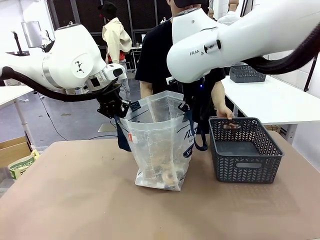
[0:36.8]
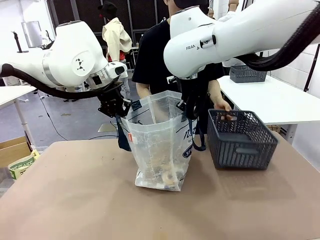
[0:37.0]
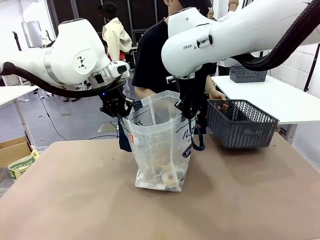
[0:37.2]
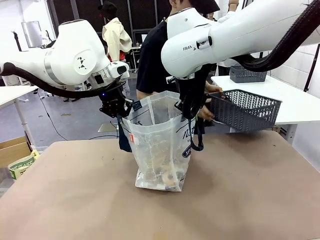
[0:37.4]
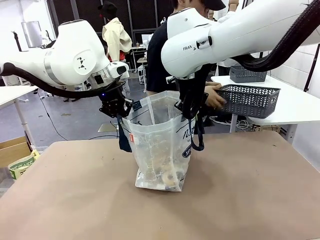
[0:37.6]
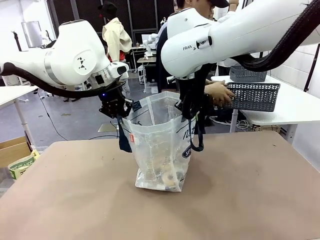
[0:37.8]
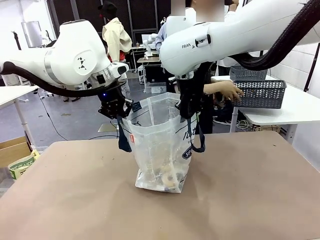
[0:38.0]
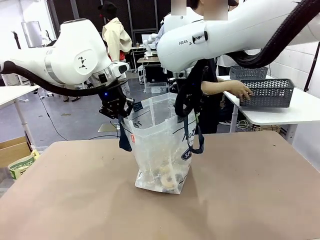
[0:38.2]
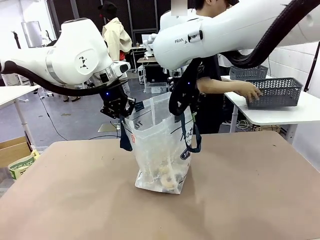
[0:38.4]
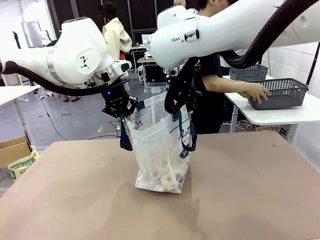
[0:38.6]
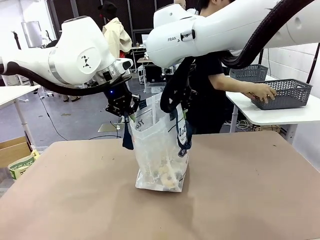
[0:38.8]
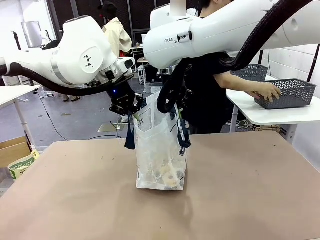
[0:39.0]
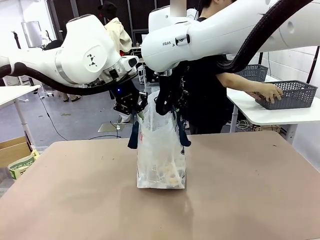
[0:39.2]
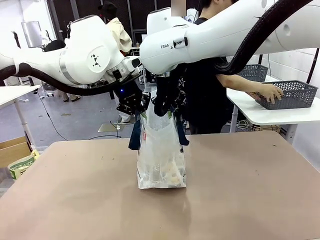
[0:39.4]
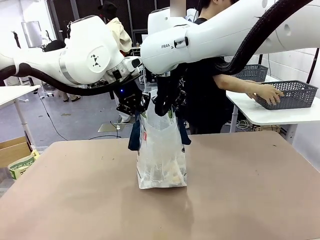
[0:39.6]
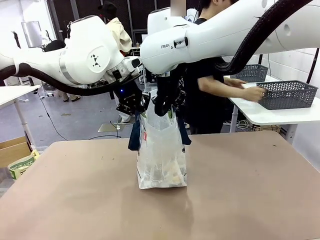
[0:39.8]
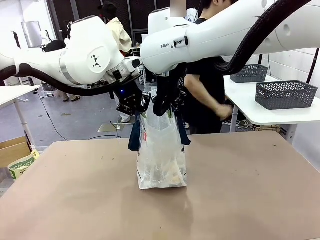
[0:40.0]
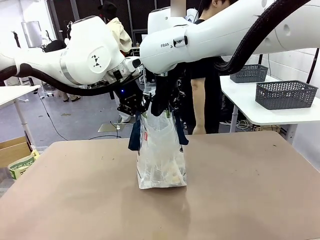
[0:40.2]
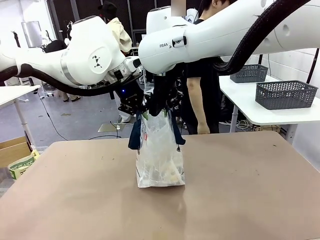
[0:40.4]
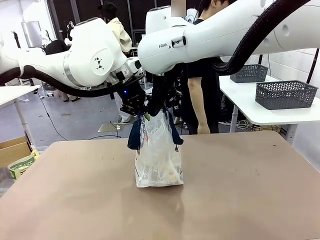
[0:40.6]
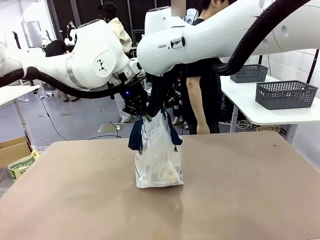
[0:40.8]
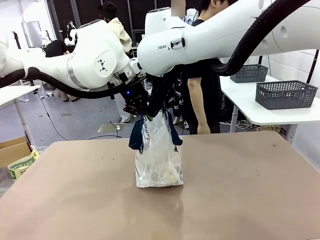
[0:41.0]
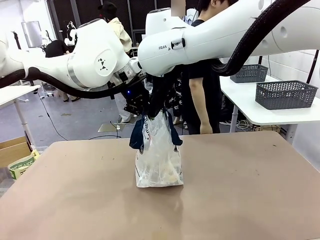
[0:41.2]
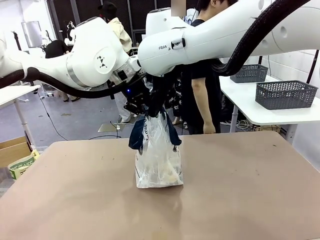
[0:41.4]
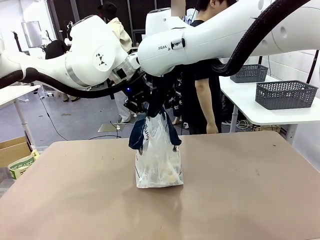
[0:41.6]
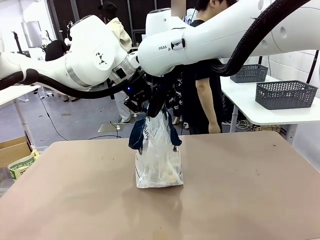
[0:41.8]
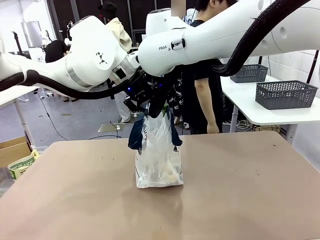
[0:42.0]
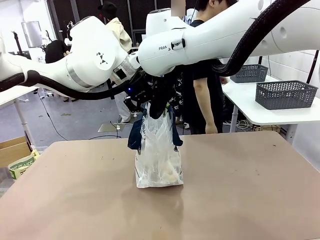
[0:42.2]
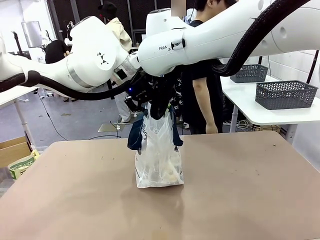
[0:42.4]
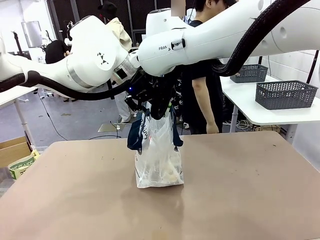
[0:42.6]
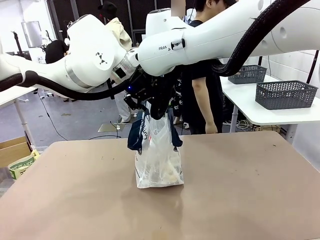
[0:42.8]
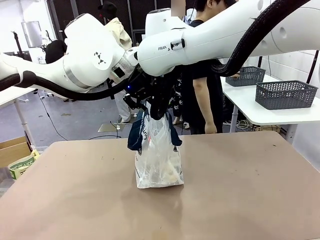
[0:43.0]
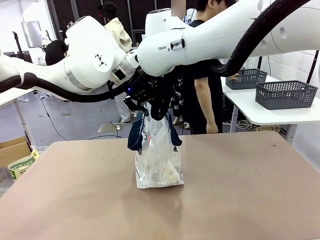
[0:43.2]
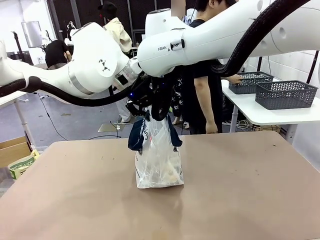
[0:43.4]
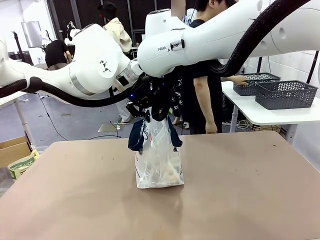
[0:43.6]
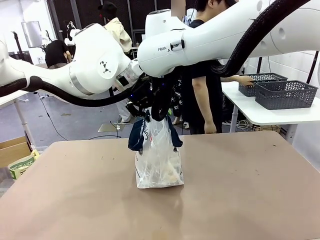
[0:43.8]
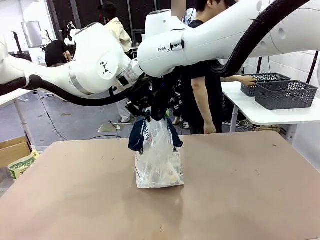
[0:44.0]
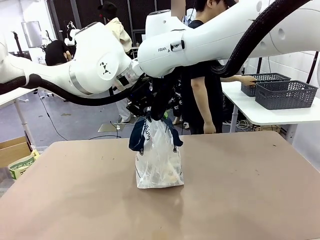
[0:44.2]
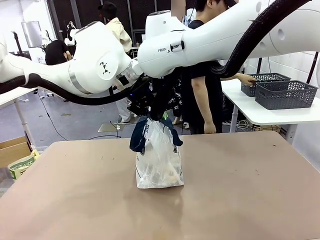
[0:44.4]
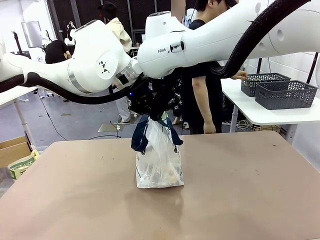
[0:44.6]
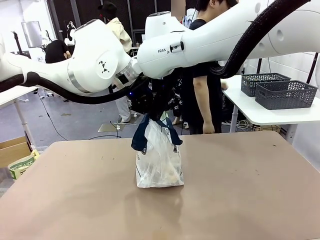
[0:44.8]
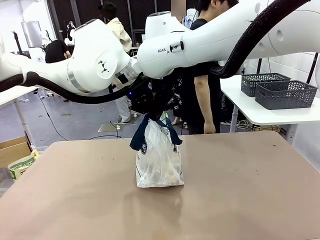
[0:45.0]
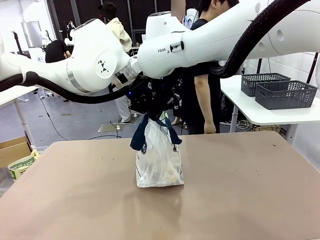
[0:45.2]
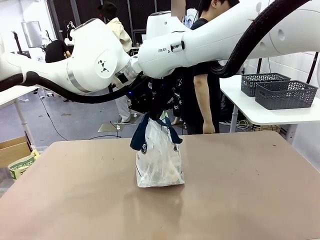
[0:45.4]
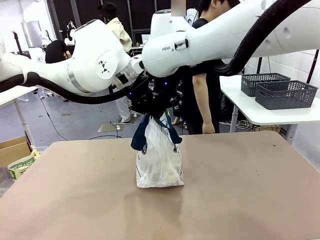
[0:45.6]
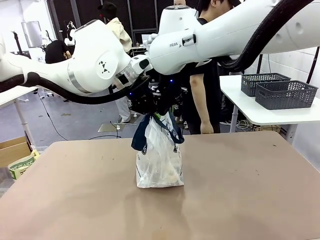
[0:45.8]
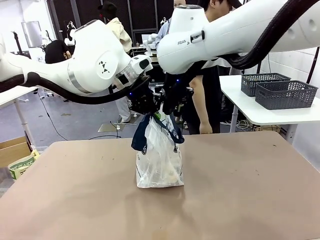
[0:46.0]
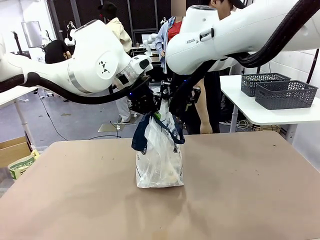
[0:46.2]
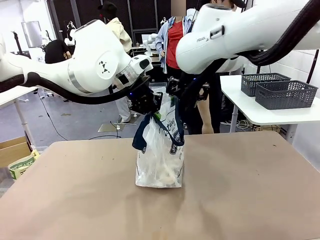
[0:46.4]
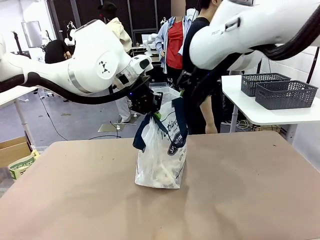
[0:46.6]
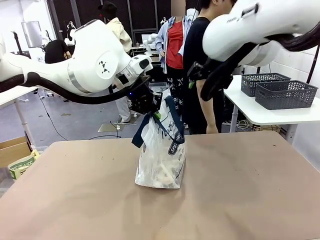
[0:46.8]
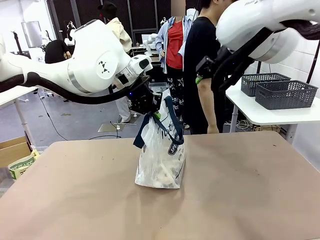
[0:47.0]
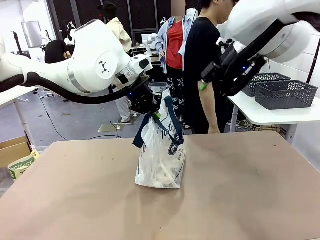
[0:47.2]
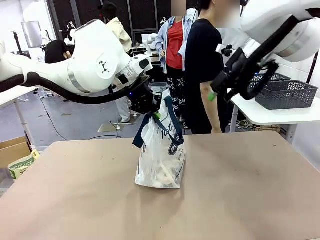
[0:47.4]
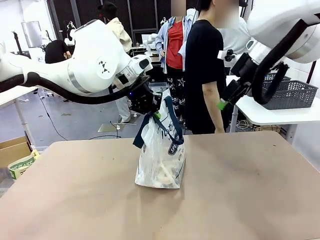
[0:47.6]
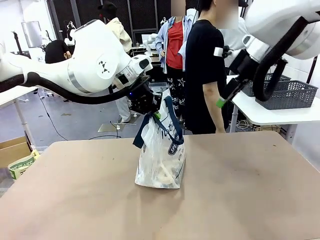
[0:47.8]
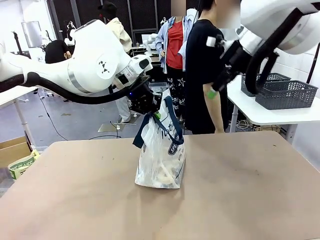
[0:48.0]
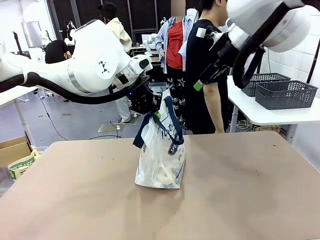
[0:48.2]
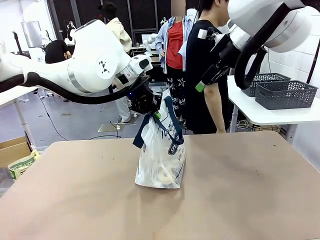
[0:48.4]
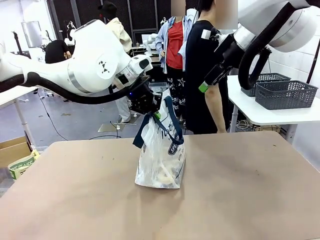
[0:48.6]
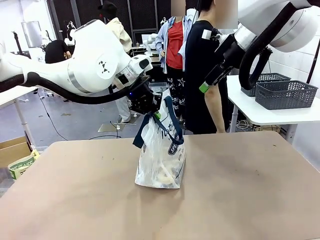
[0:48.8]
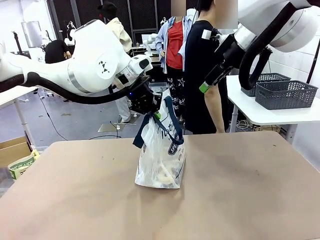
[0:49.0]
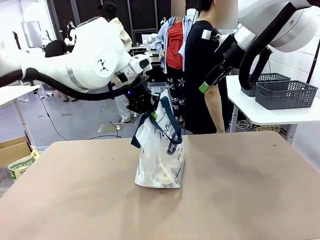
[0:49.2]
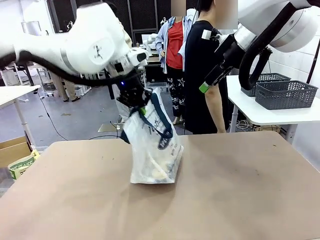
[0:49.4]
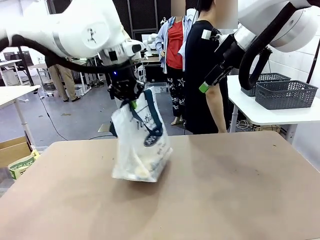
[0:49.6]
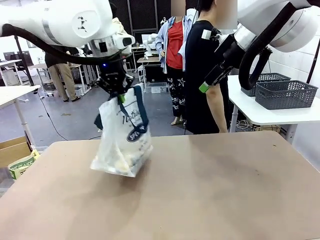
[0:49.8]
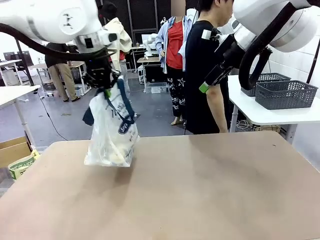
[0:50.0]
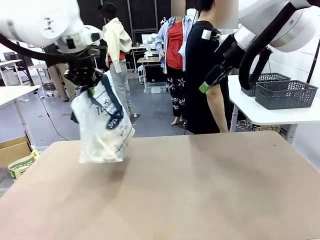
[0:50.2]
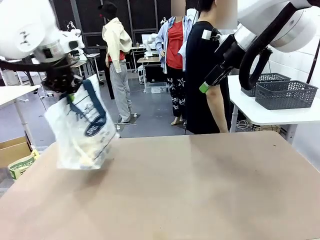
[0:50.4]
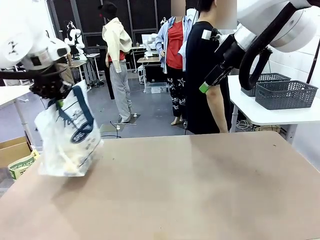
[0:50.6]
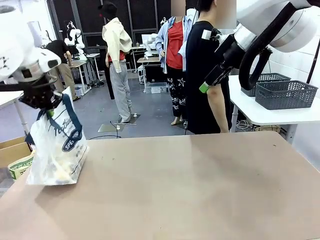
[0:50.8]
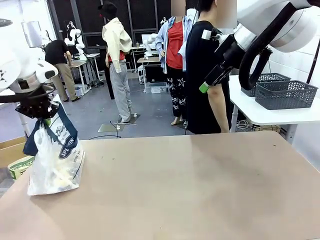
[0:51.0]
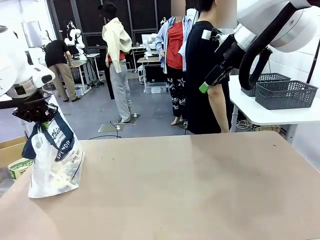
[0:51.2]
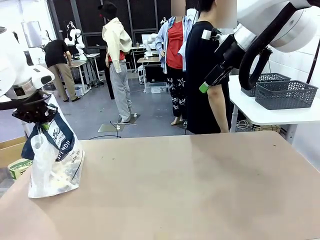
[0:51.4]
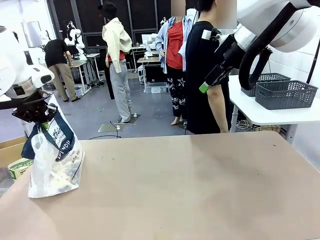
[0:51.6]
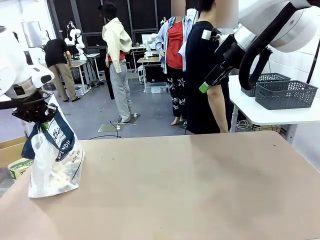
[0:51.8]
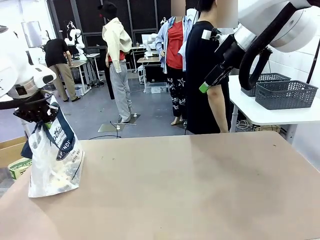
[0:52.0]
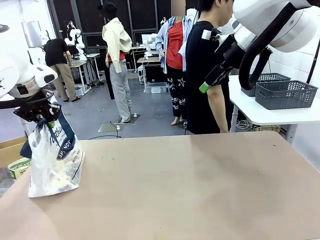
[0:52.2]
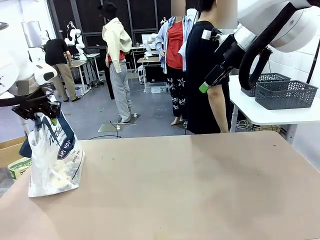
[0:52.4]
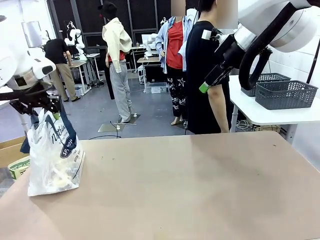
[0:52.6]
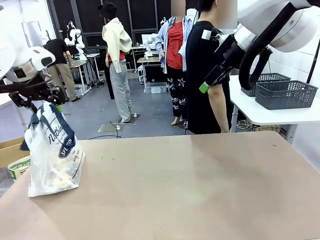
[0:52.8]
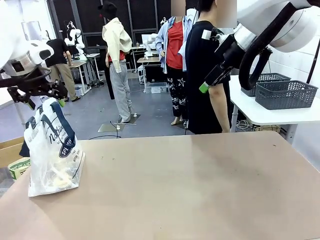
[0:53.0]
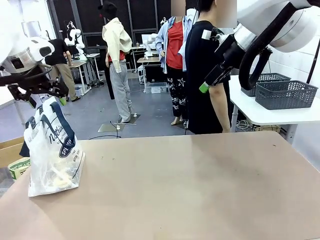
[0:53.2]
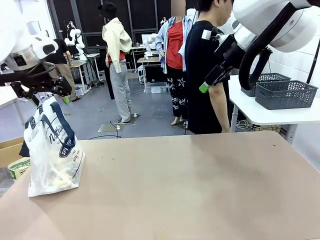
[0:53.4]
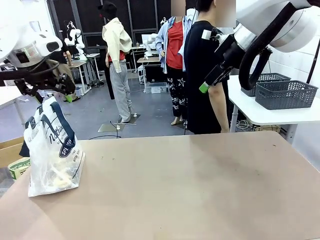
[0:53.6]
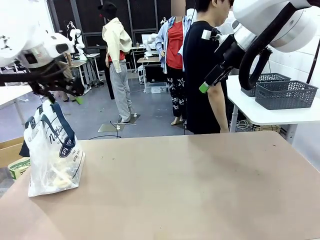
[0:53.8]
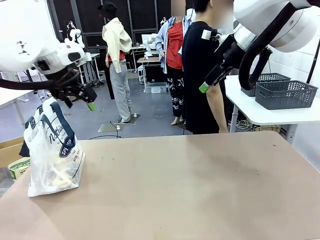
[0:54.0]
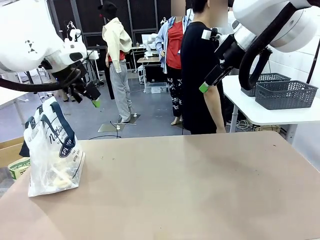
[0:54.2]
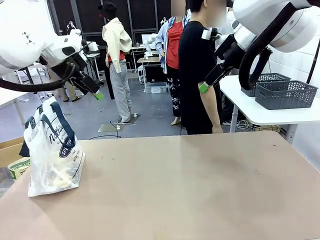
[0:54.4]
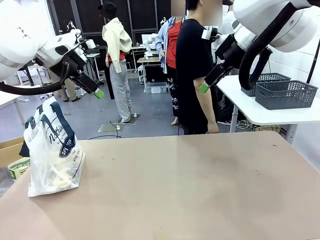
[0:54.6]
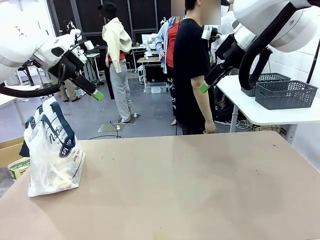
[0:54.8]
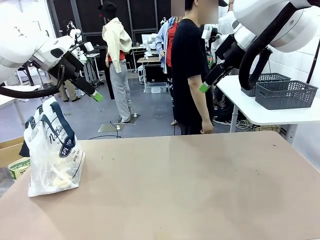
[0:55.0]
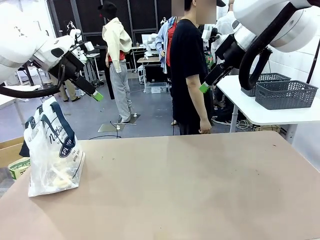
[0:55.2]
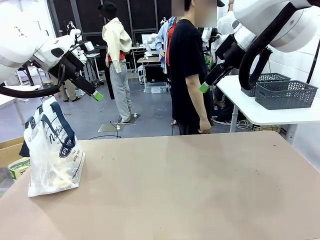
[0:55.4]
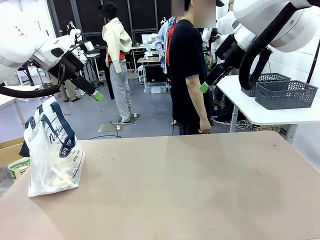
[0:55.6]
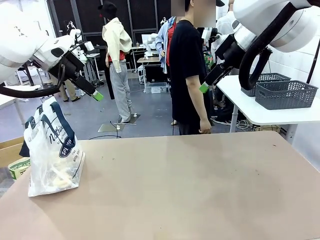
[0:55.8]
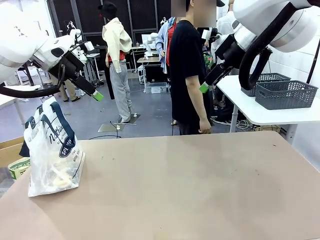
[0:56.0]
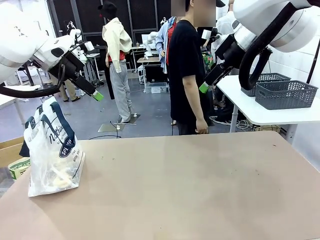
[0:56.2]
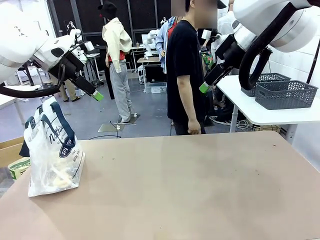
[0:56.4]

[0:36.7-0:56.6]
Task: Transfer purchased items from the store into the shopping bag.
Robot: Move the Reusable shopping bag to the right side of the table.
Person: Pick up the basket with the items out and place it on the right side of the human table. Move the basket on the left to the middle of the person's table.
